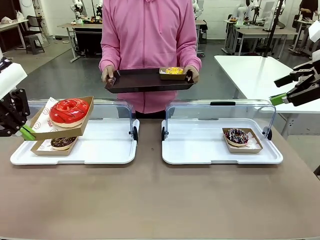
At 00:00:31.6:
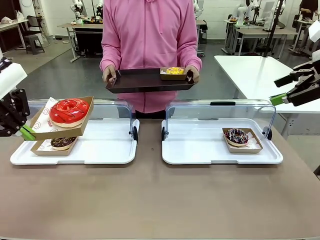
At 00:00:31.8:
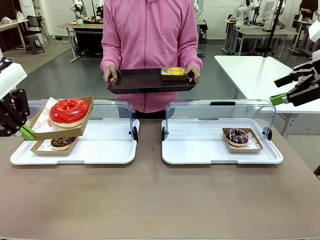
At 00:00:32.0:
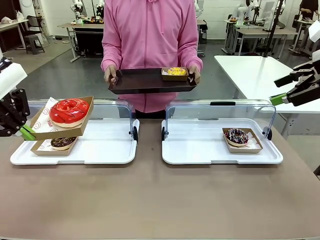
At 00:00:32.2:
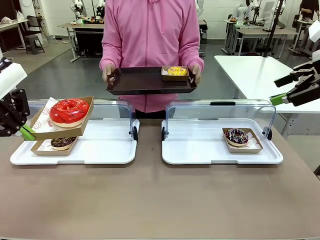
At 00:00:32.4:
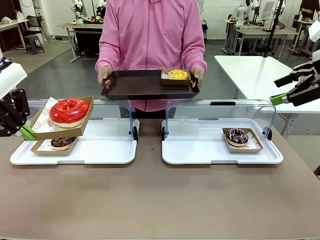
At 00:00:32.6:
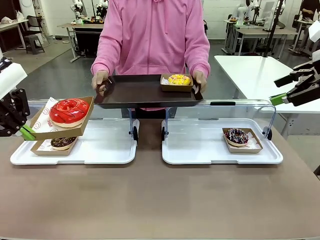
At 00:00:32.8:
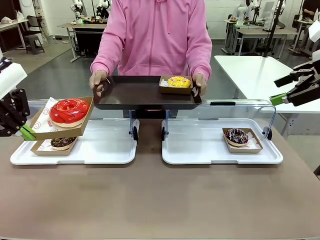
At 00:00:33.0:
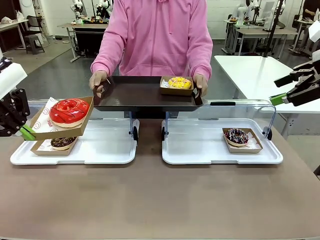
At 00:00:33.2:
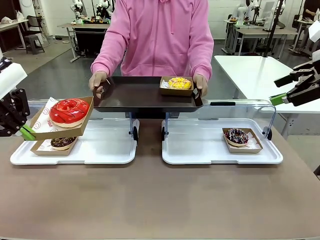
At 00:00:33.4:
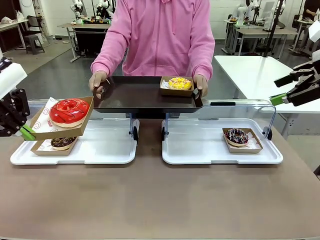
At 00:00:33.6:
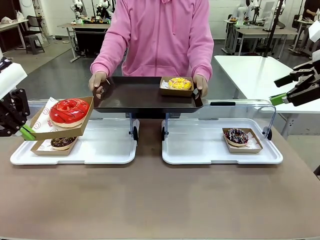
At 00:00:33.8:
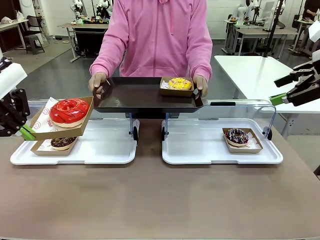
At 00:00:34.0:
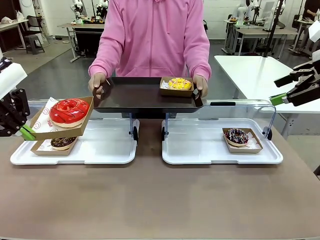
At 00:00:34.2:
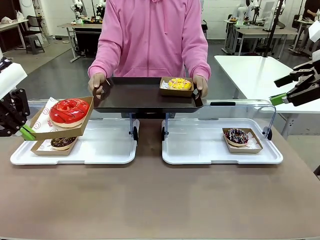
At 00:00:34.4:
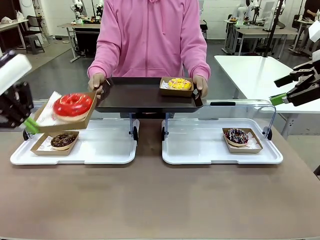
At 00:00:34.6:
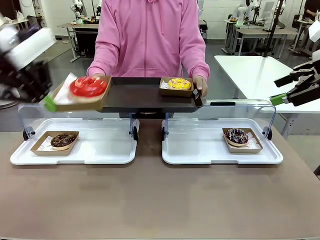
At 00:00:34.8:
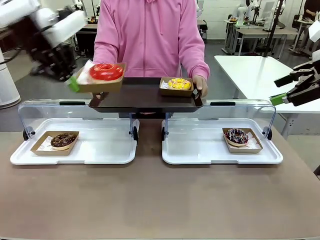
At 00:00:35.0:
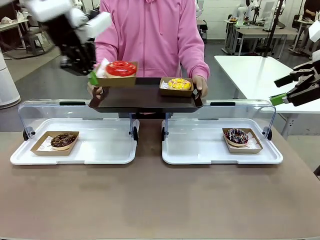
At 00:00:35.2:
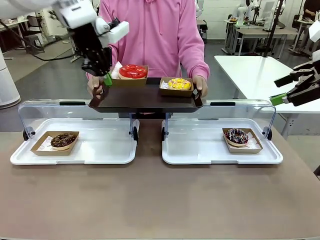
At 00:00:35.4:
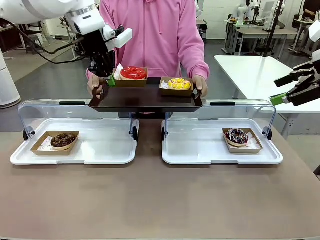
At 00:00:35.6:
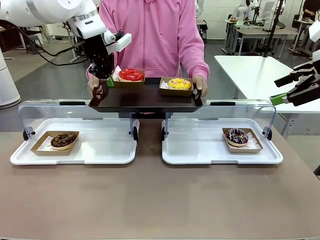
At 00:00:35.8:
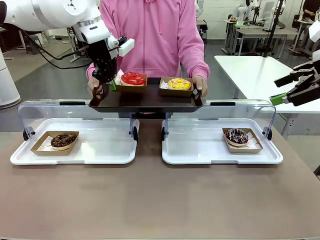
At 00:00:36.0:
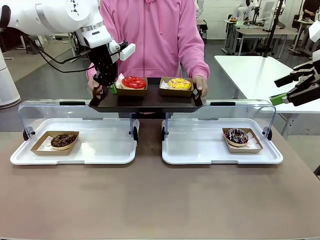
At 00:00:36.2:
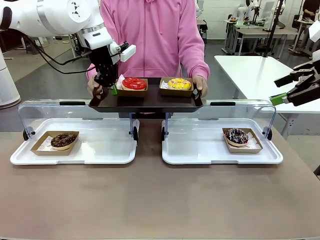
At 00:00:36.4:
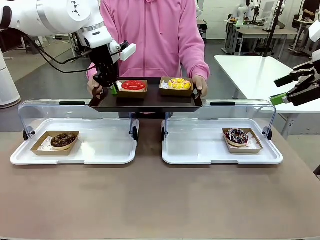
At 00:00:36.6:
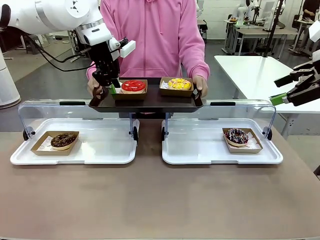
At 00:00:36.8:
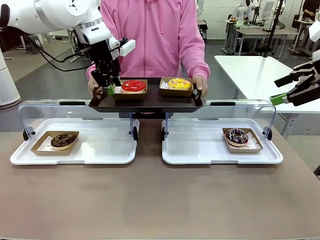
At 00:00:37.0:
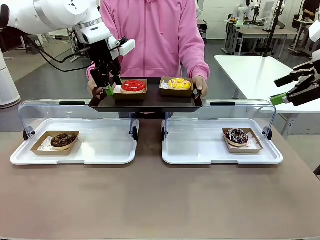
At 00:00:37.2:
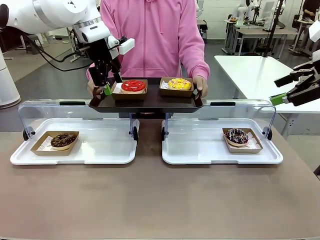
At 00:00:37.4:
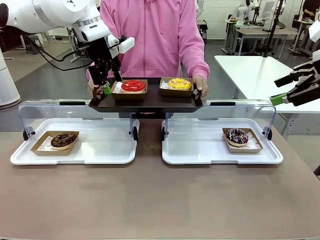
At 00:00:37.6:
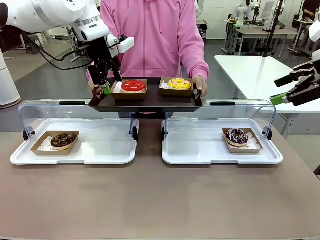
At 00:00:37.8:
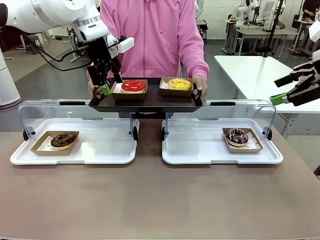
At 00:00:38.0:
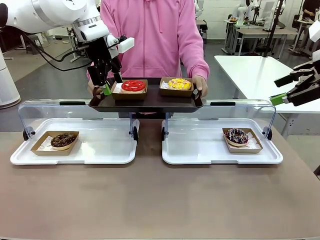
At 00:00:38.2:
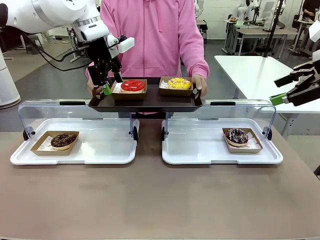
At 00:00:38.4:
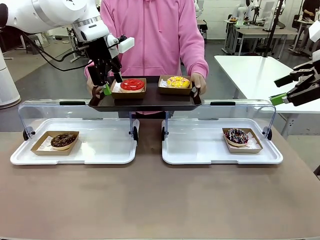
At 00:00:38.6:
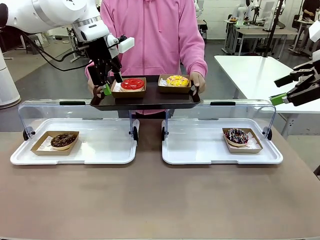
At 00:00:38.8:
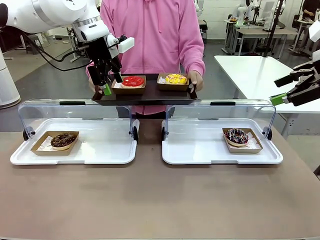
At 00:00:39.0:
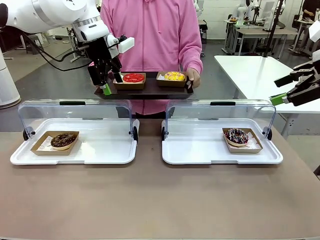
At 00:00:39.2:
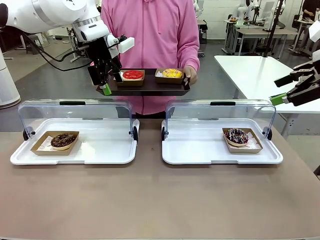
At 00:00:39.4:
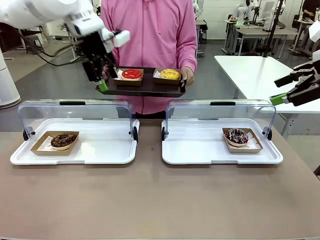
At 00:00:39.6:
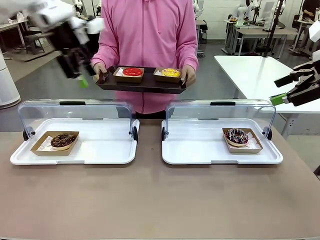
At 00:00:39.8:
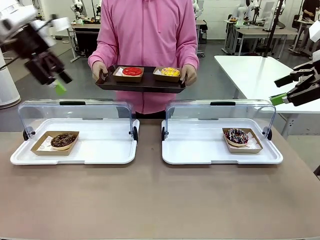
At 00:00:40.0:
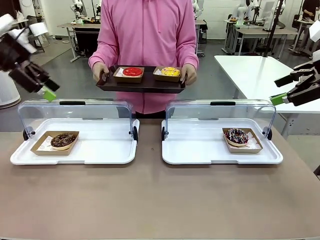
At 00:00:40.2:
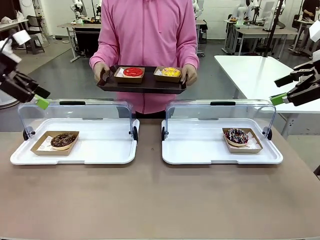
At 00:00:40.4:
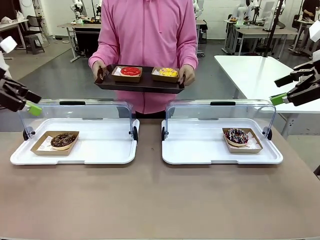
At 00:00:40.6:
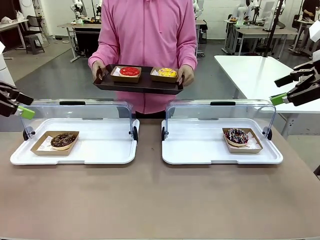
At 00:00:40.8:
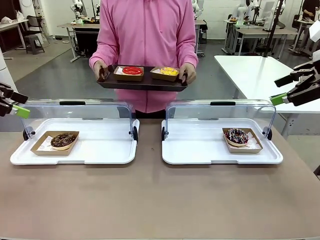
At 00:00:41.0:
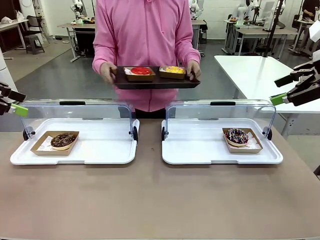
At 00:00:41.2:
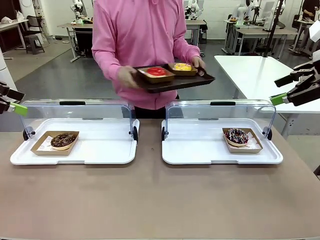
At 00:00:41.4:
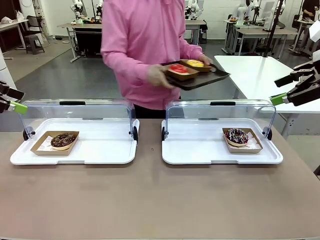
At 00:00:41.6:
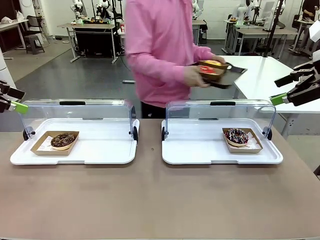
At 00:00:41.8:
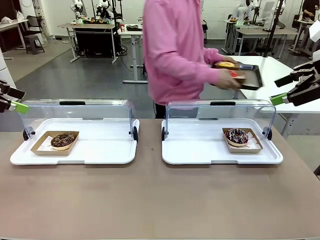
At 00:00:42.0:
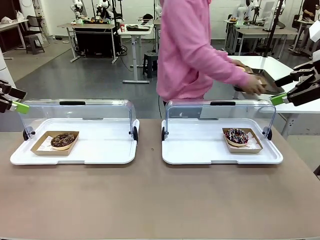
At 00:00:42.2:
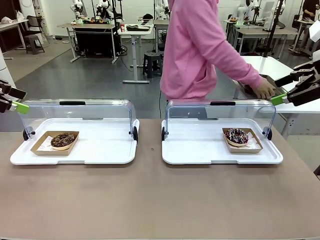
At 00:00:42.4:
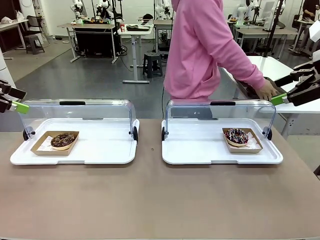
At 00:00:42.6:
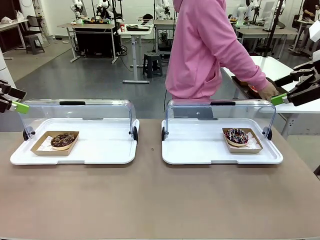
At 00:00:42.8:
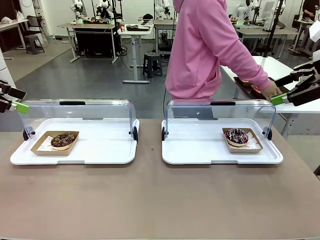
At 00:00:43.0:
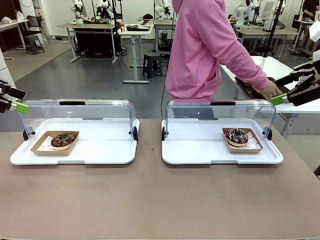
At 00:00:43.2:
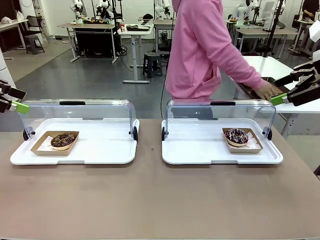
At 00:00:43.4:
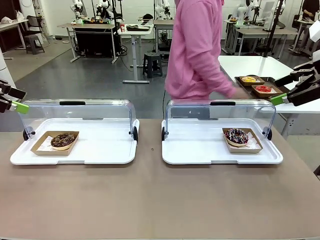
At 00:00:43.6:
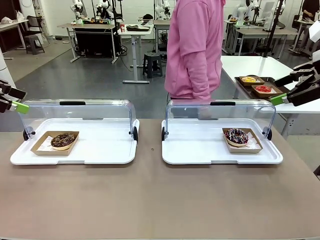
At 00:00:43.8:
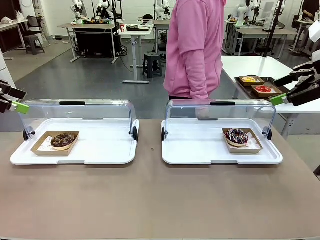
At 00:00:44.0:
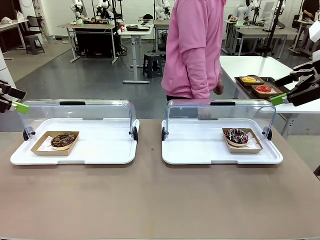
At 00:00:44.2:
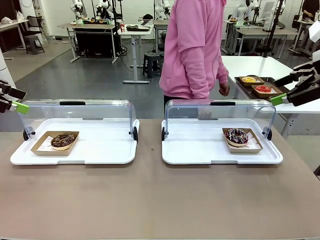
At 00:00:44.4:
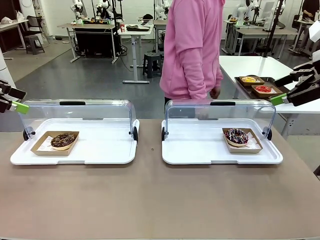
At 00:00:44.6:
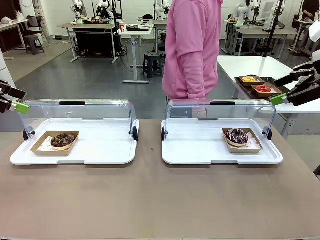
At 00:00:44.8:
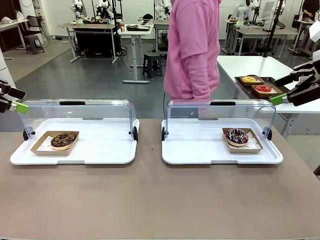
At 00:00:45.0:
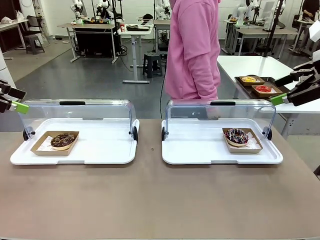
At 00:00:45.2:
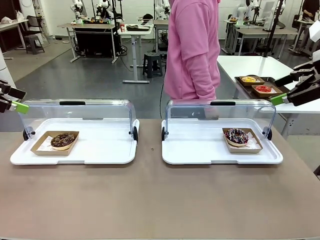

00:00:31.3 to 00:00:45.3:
Task: Provide the desired donut to the person.
Robot: Place the picked Paper togo box onto the Handle tray extended by the person.
Person: Place the tray in the middle of the human table.
